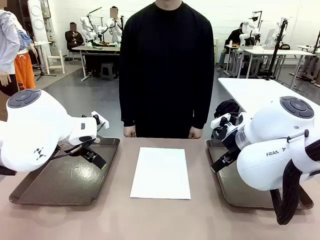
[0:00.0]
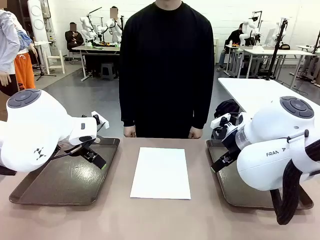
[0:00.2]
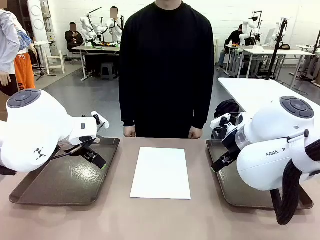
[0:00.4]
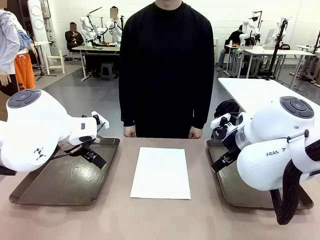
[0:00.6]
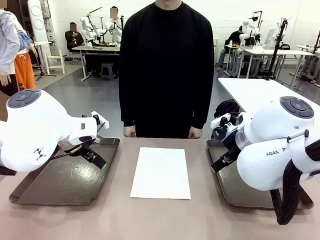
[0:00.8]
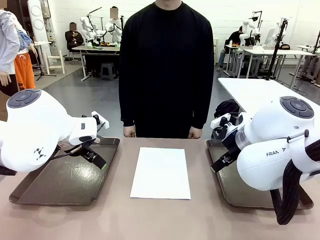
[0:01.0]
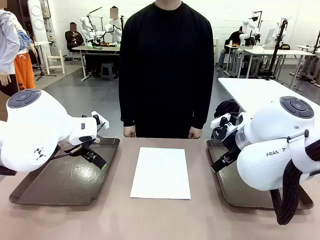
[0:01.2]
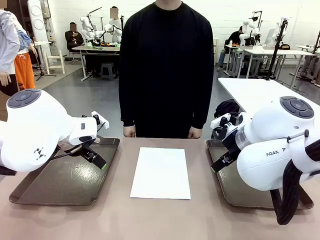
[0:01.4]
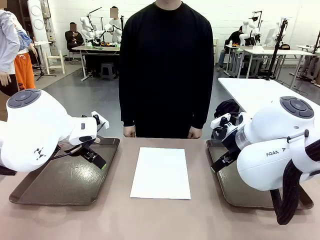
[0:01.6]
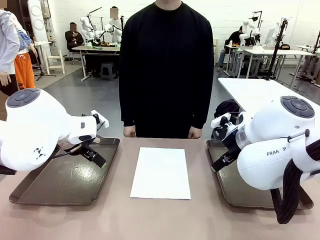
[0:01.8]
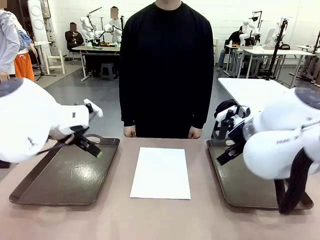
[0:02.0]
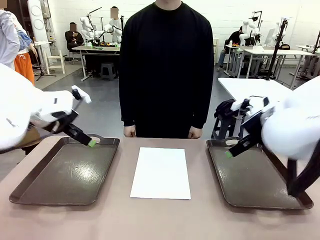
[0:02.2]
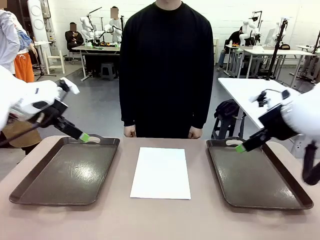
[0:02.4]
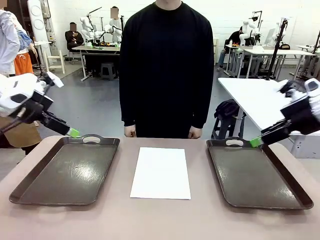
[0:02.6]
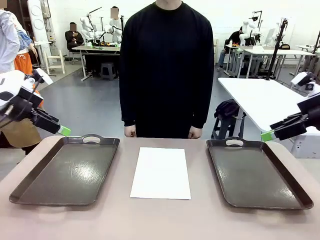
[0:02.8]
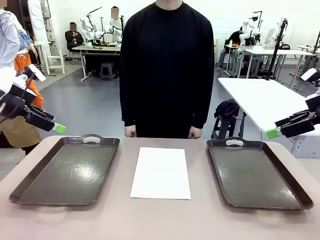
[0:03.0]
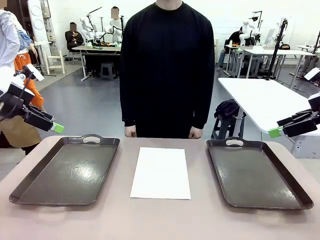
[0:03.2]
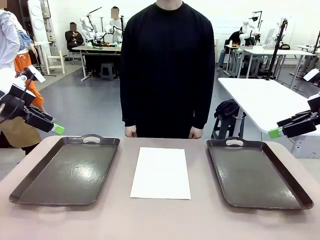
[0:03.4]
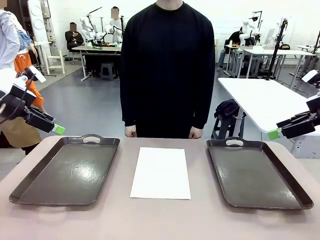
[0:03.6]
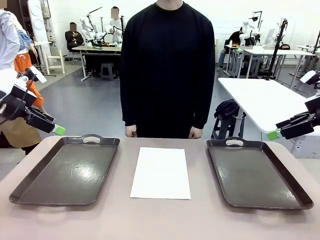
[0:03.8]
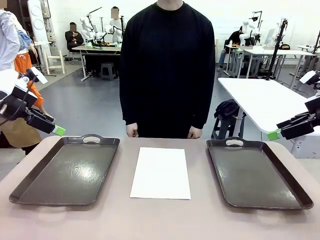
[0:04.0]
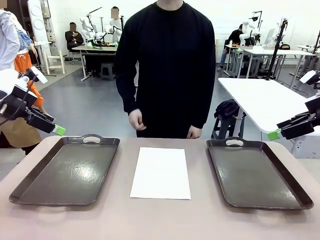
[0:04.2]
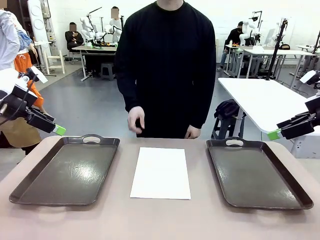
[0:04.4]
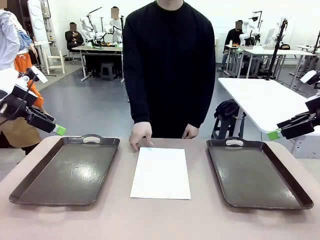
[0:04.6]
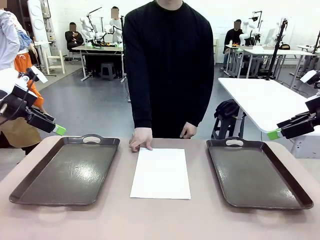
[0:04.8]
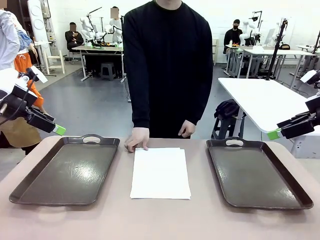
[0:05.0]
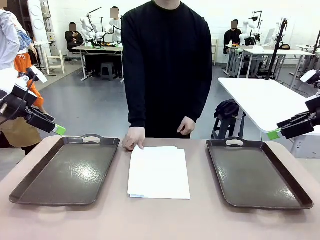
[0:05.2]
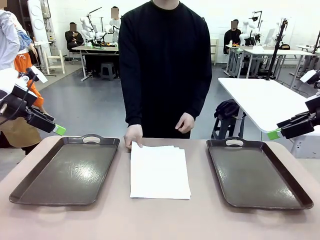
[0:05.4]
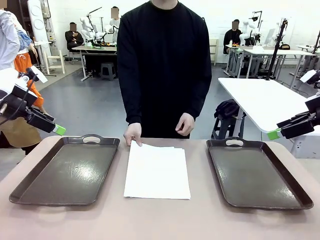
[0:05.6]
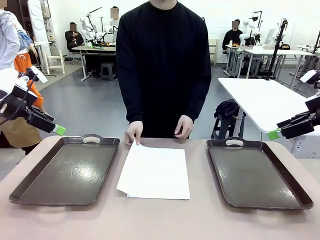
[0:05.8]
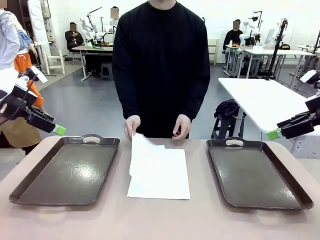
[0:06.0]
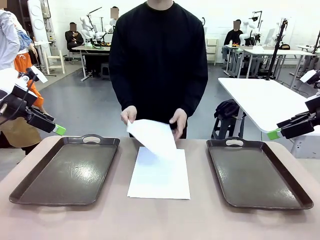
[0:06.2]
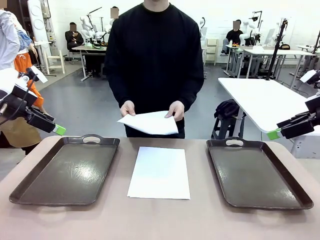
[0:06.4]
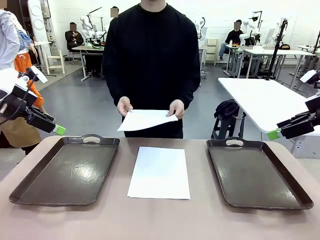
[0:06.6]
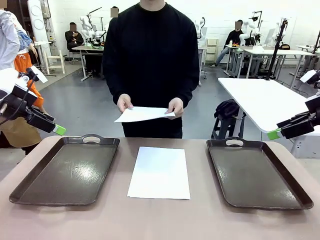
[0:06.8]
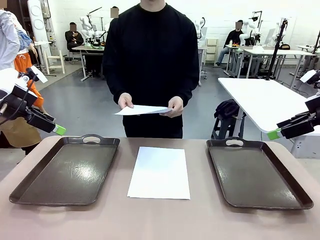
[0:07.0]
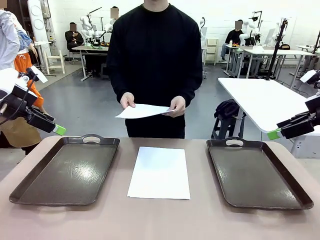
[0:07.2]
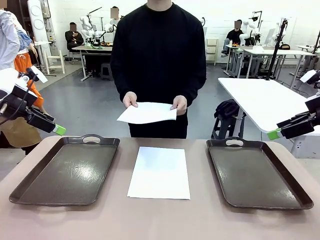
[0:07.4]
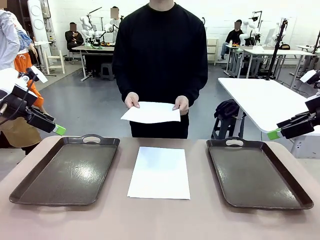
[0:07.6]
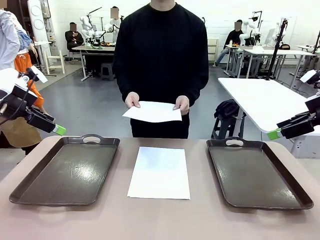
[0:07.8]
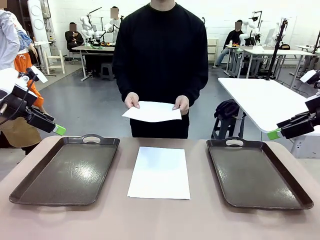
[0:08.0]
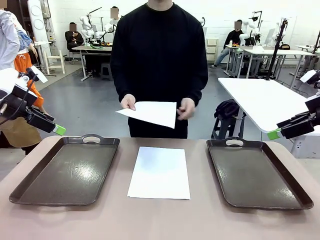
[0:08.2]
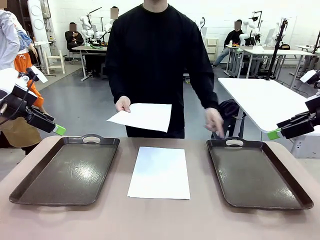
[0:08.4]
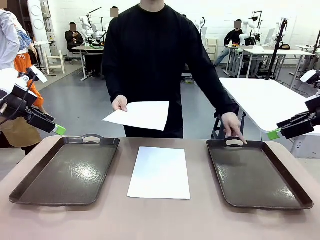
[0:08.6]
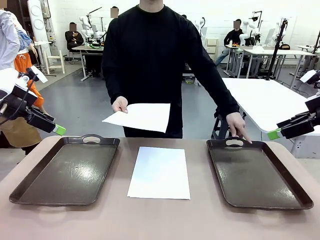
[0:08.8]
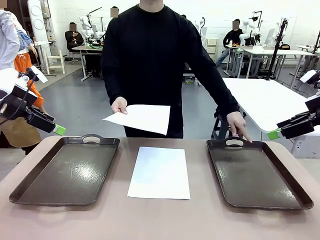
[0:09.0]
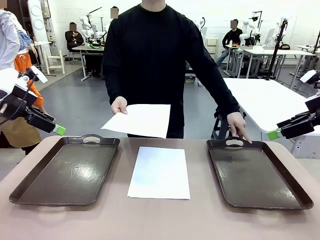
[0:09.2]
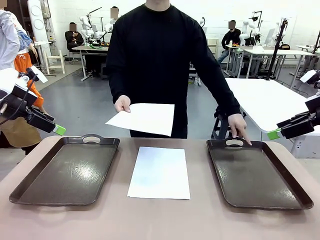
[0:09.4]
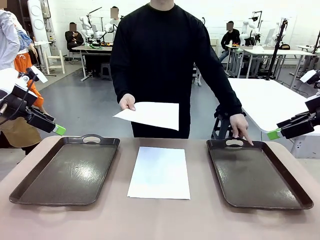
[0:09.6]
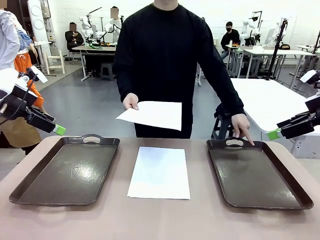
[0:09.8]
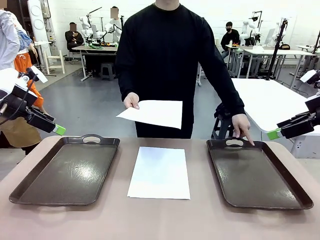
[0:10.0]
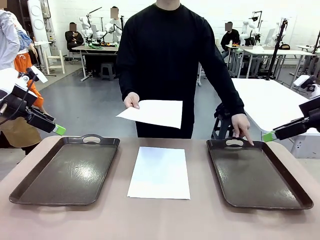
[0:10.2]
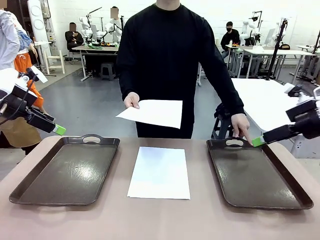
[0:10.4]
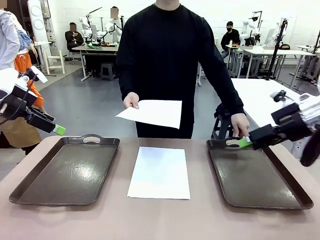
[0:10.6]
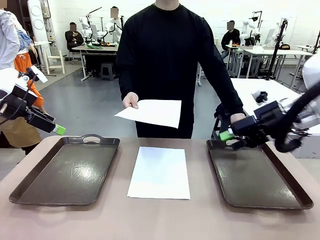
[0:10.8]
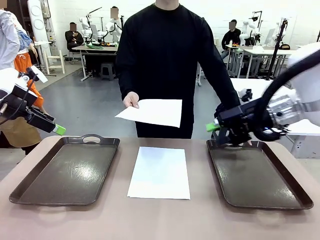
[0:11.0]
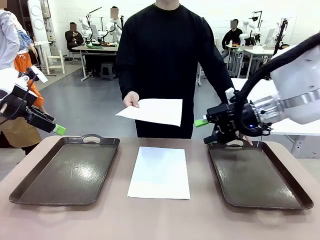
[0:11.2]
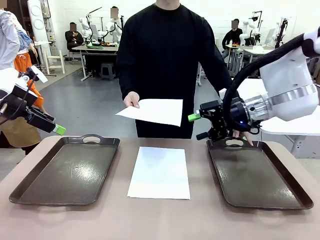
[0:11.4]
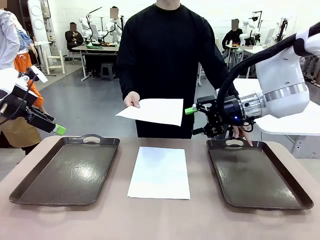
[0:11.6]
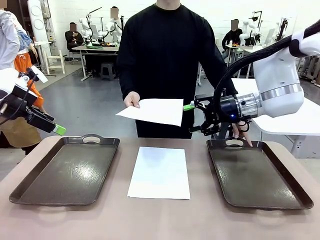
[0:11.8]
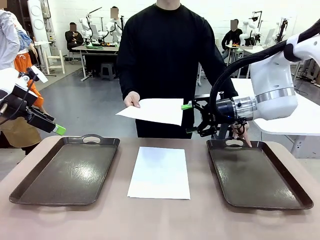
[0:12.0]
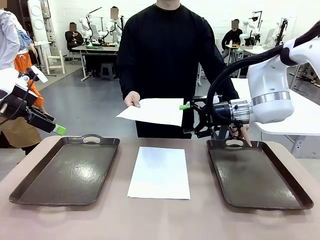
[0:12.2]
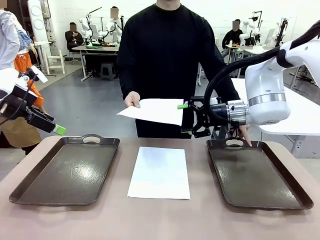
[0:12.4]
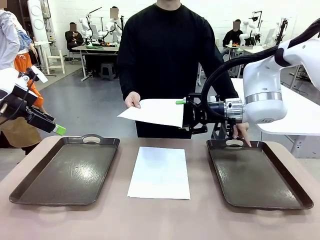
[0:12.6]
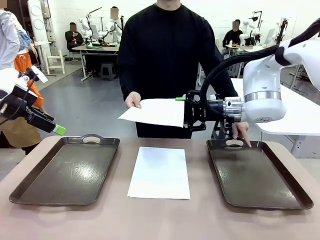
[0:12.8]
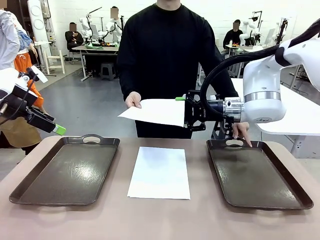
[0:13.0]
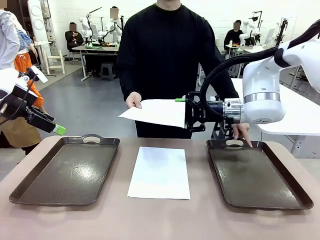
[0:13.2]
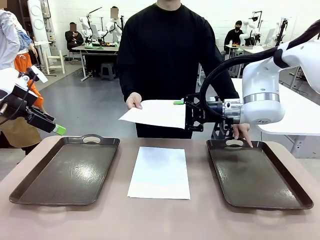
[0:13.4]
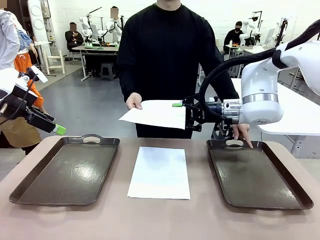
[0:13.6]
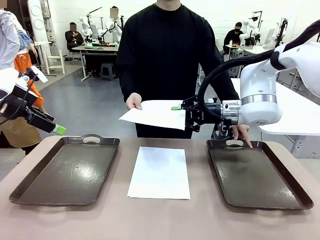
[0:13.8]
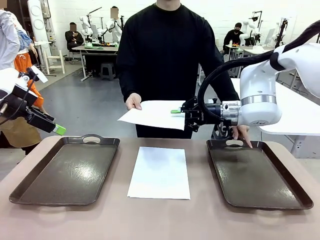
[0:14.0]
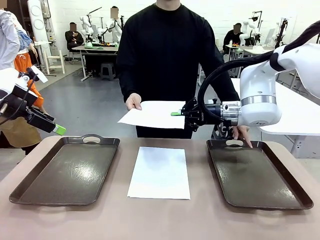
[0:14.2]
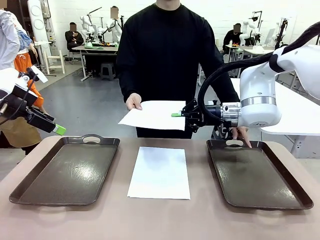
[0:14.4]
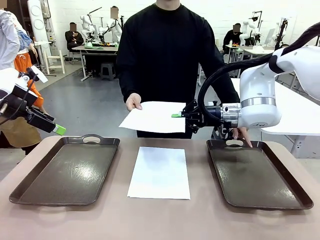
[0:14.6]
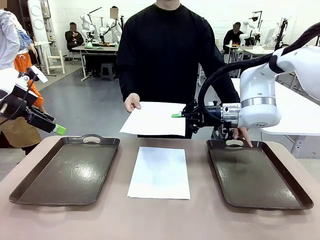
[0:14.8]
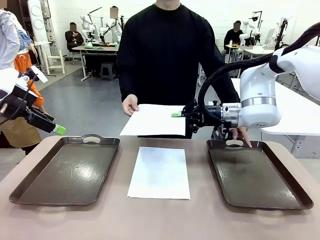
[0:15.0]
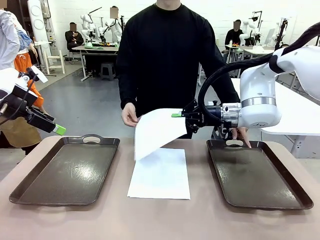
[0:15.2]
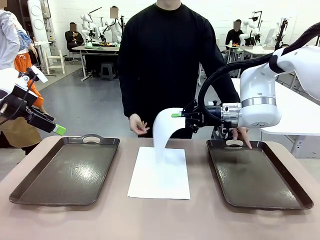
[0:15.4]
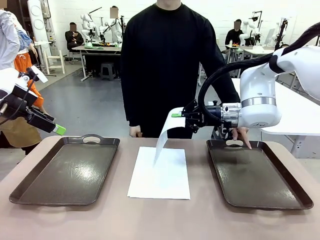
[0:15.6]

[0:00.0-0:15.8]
Task: Sort the A4 documents.
Robot: Receive the A4 Paper.
Person: Pick up a sheet of paper from the center of the table and hand it to the robot. Point the randomly selected tray with the other hand.

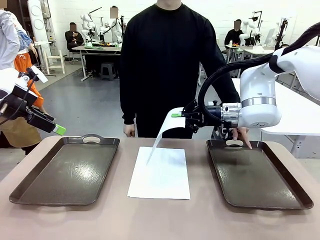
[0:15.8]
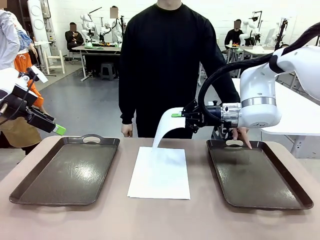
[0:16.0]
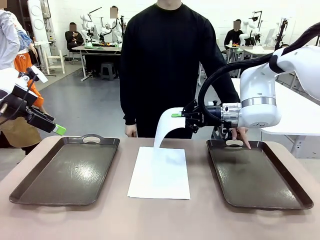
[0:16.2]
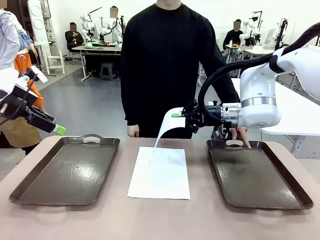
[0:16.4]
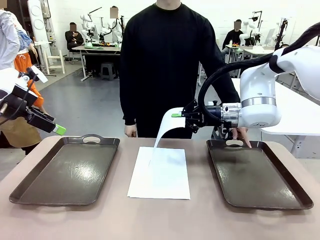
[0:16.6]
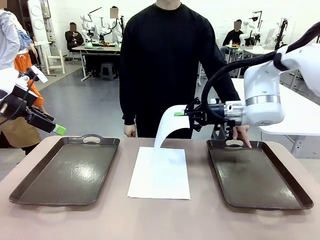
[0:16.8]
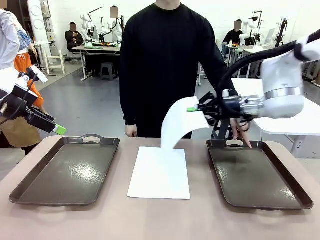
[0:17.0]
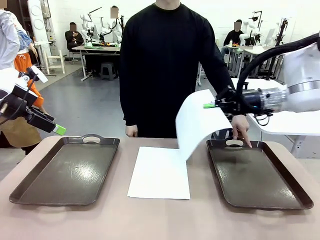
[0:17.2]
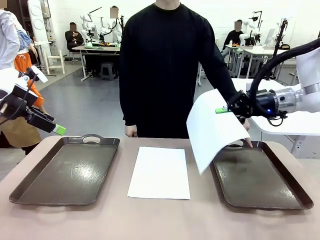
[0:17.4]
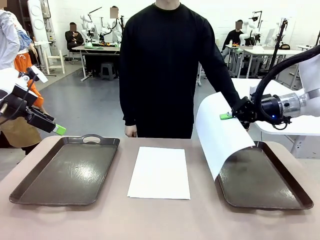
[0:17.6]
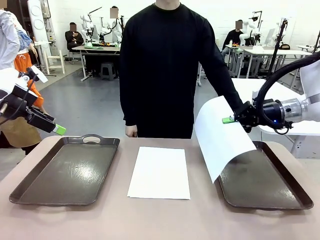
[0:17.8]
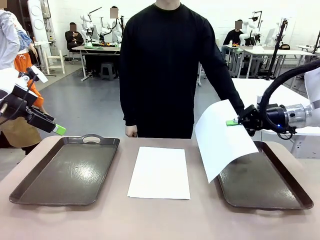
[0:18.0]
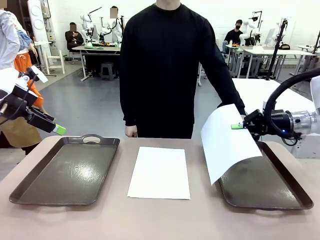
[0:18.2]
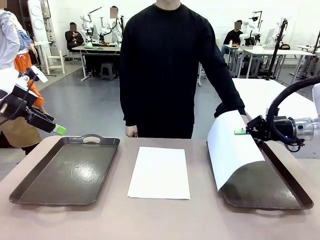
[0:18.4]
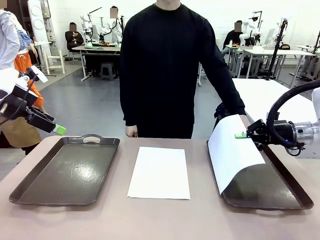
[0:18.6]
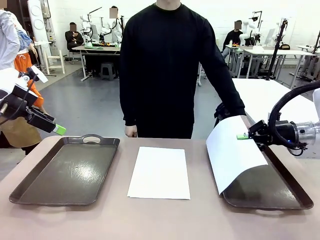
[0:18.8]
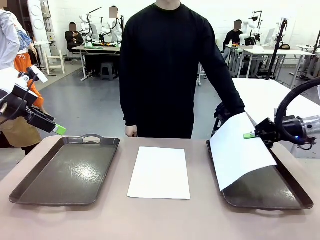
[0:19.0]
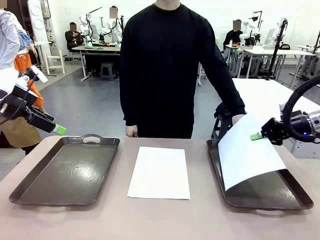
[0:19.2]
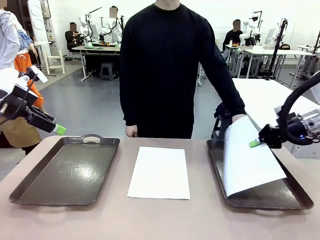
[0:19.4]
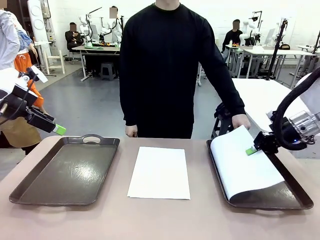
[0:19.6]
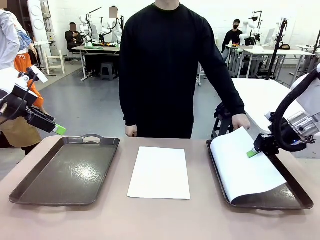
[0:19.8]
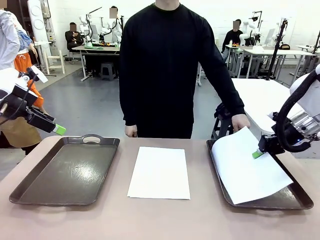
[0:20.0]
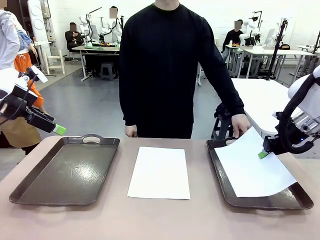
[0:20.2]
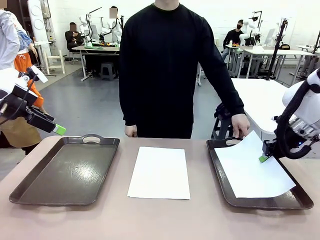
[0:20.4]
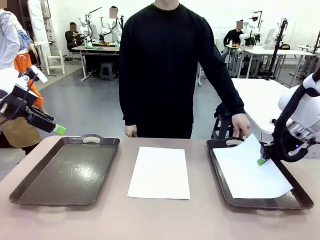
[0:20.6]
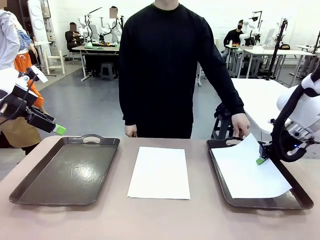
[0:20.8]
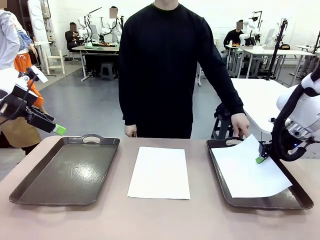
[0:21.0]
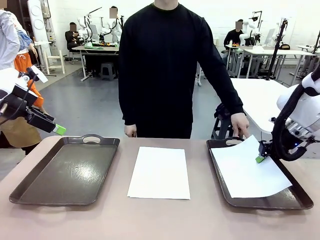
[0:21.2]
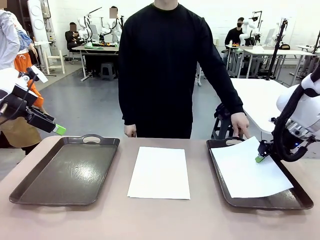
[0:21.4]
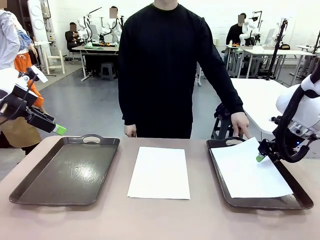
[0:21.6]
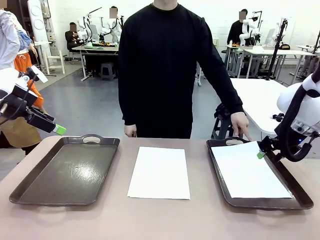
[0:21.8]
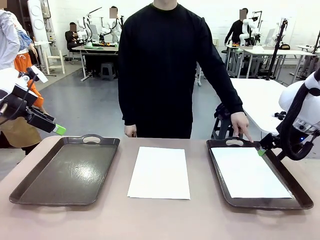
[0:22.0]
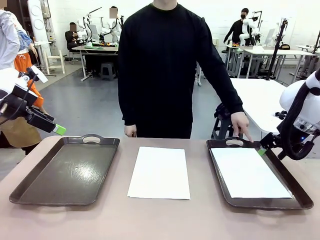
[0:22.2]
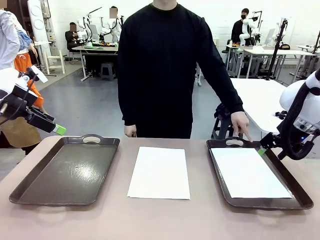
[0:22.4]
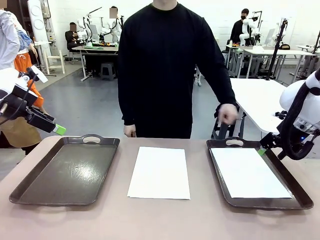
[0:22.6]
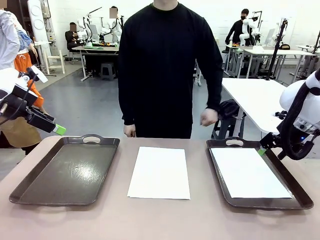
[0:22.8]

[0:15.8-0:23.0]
Robot: Place the A4 Paper in the designated Handle tray.
